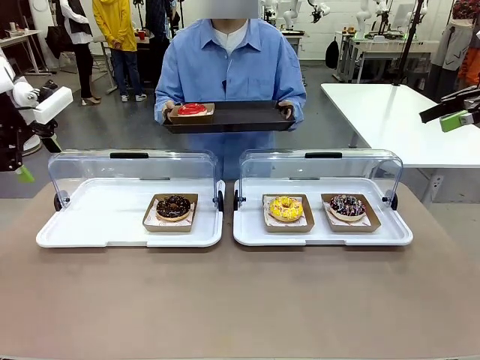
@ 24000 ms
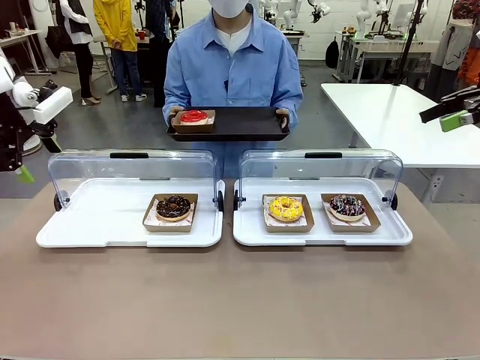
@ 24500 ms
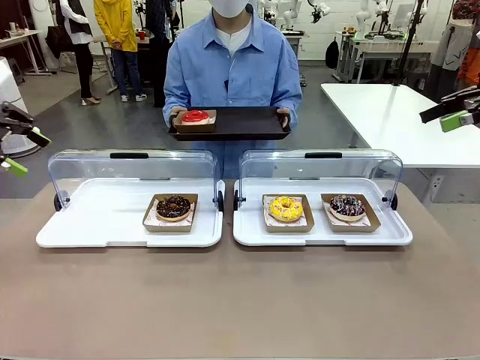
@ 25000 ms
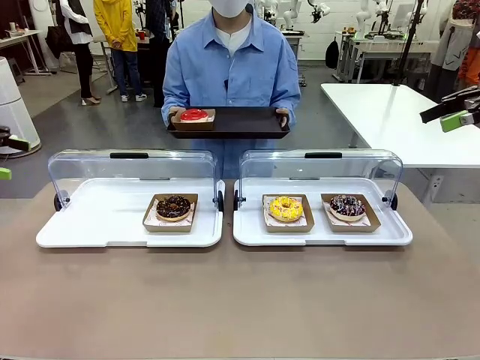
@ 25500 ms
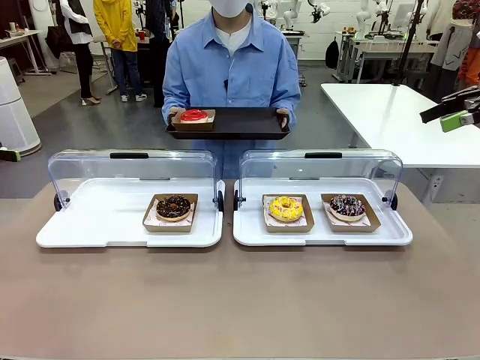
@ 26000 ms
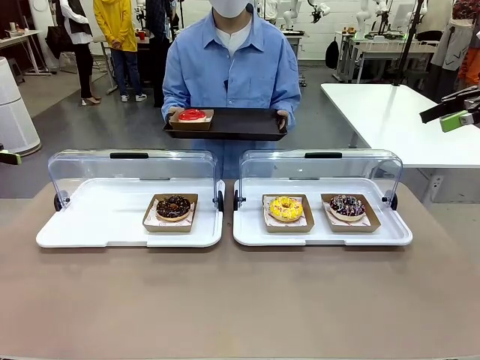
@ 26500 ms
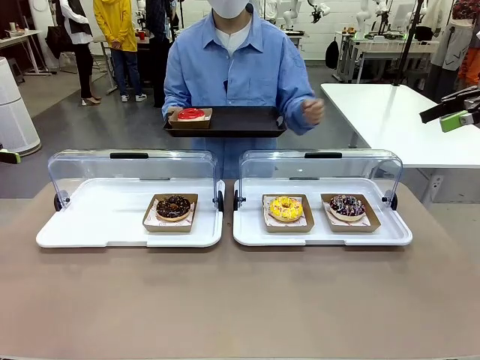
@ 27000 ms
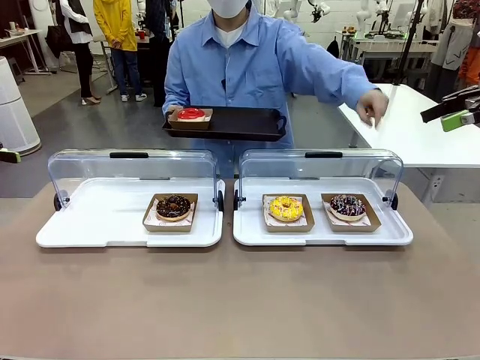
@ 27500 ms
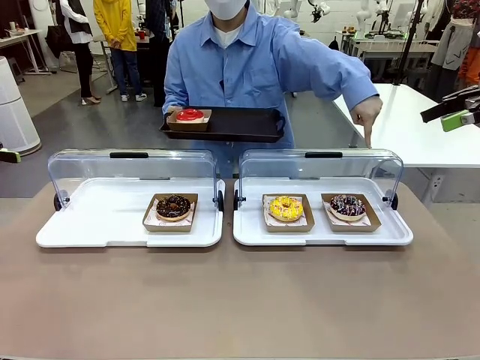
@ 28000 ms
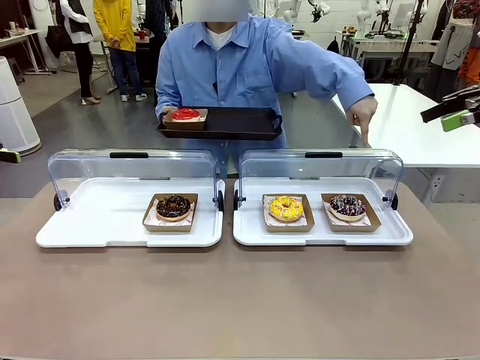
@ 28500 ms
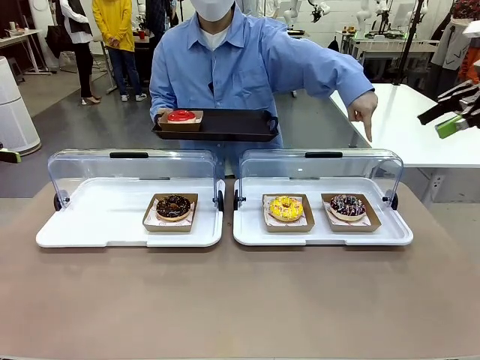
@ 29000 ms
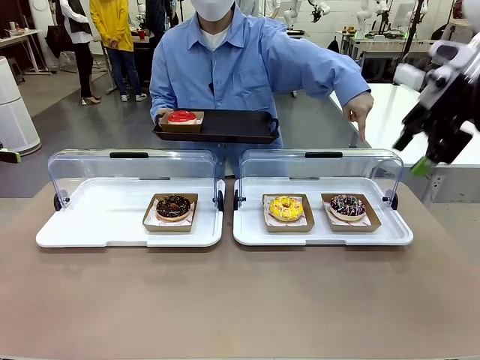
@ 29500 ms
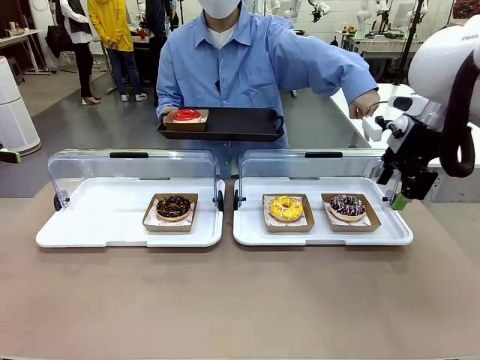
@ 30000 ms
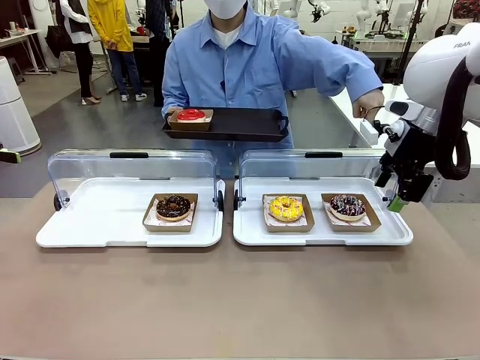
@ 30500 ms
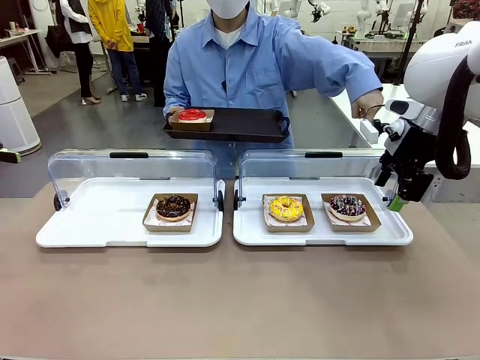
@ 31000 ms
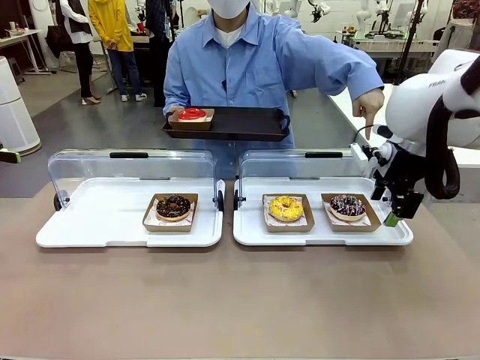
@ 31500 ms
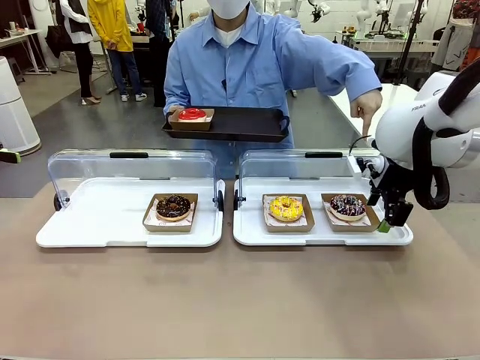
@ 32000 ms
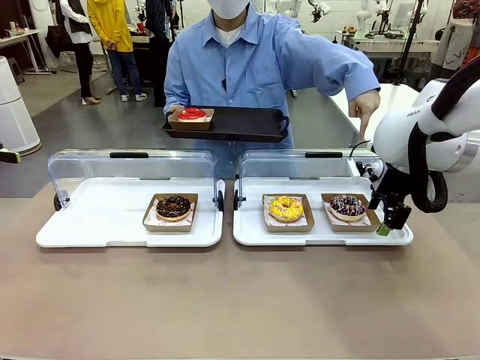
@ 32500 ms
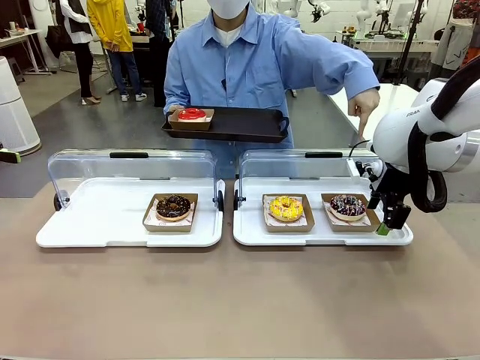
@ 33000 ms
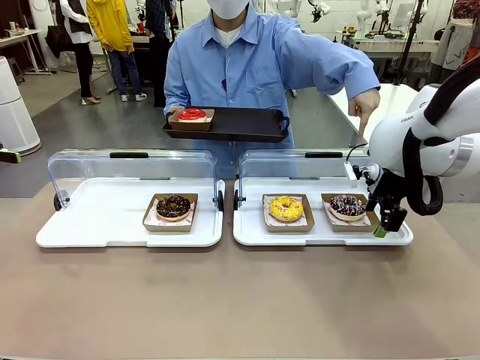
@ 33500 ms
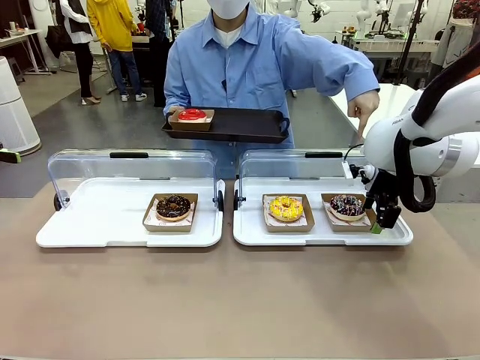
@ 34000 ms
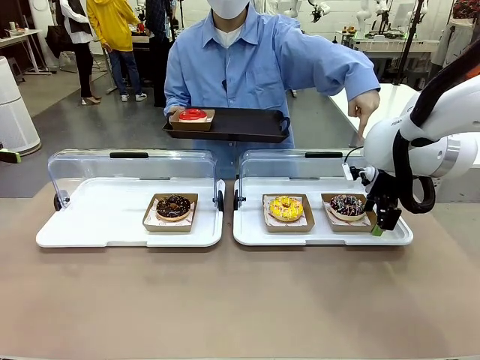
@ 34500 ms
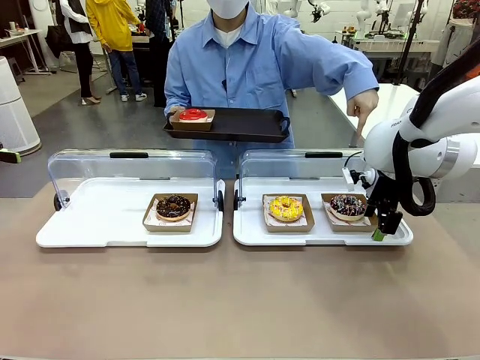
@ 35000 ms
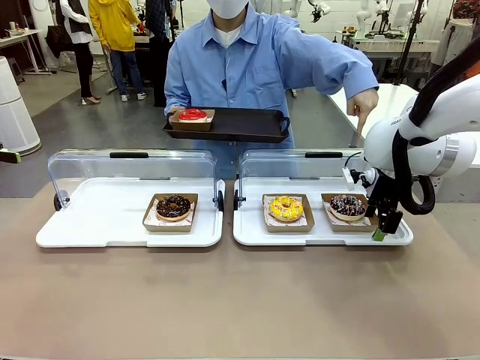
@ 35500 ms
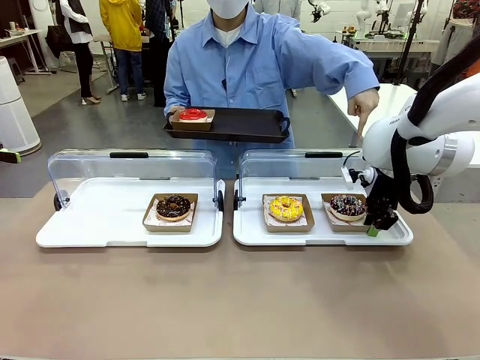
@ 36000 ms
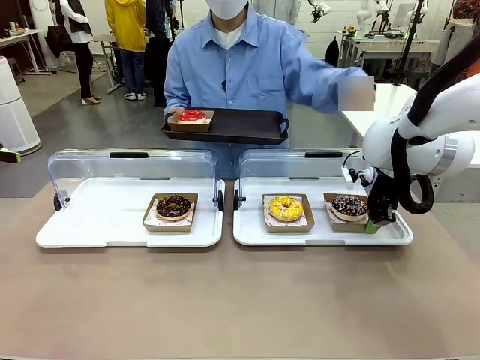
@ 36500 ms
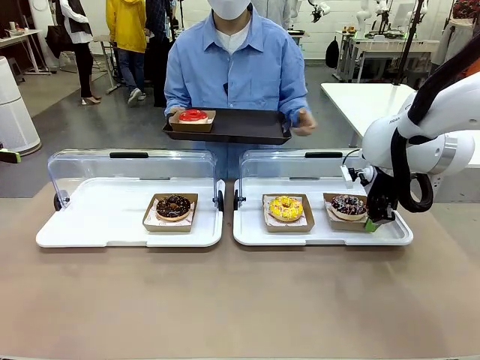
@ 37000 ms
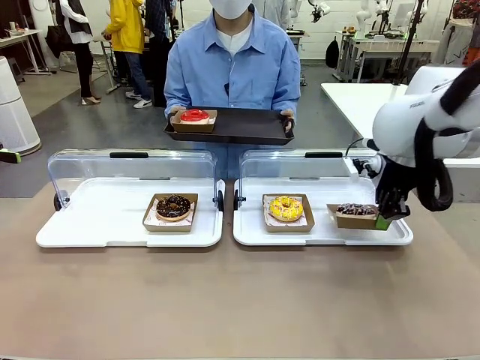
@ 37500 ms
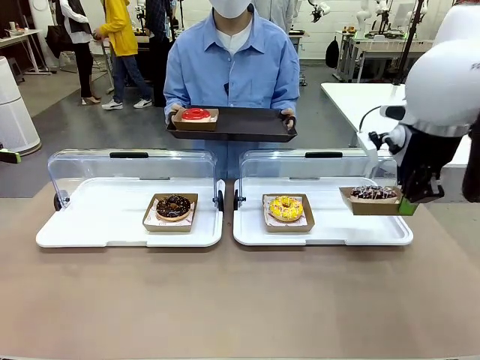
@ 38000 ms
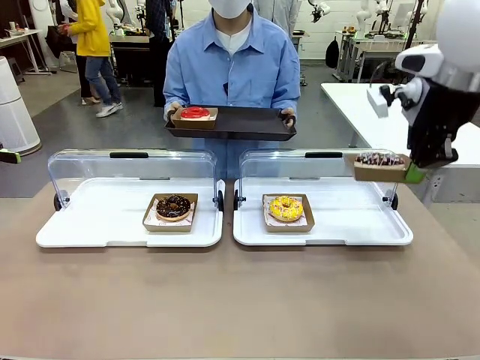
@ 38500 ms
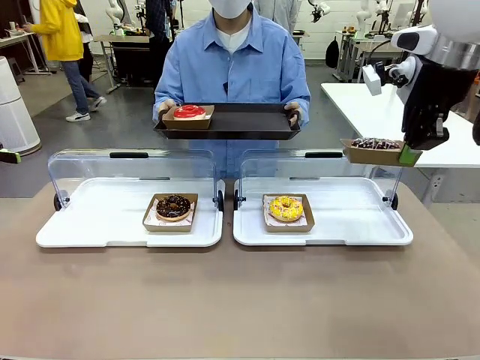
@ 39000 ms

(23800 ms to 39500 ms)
Task: Provide the desired donut to the person.
Robot: Pick up and lift the Paper togo box containing the Donut pointed at by the person.
Person: Point to one donut. Lift the tray onto the Roll-Top Bakery Case.

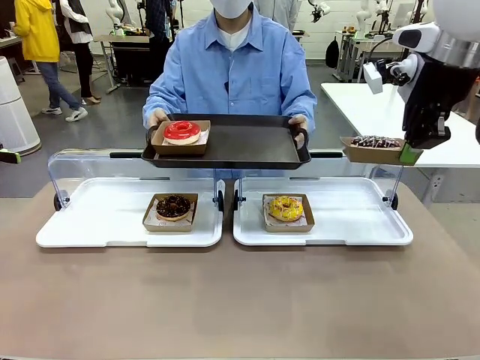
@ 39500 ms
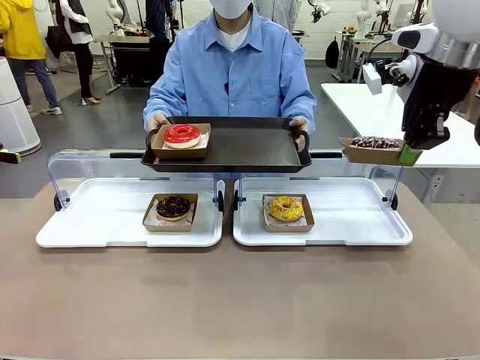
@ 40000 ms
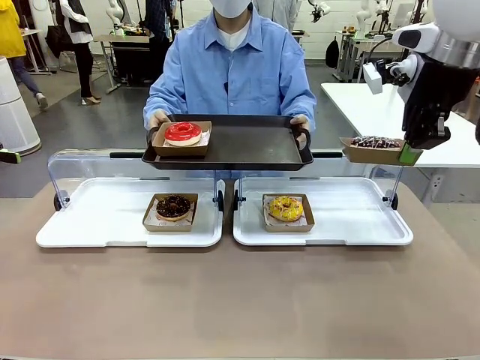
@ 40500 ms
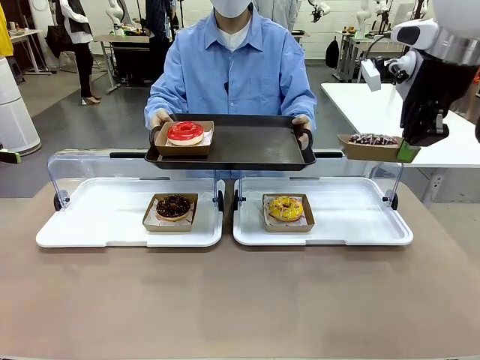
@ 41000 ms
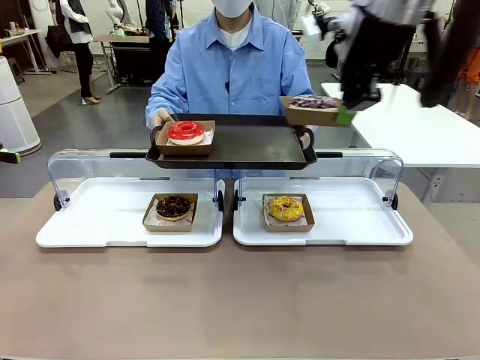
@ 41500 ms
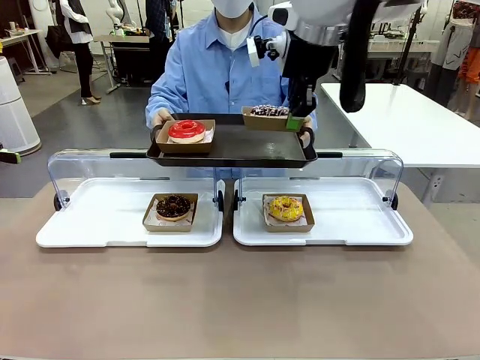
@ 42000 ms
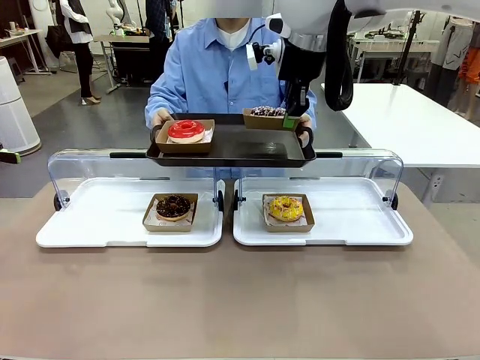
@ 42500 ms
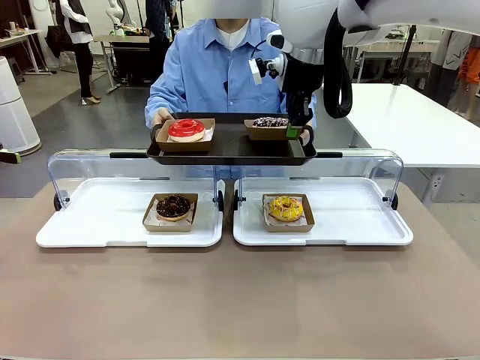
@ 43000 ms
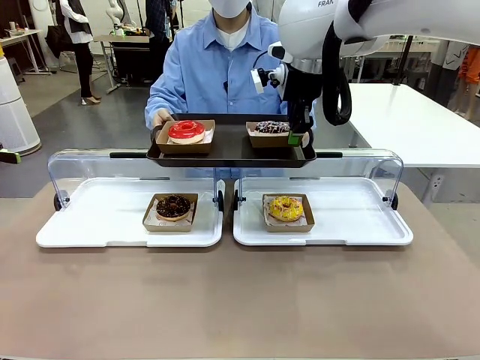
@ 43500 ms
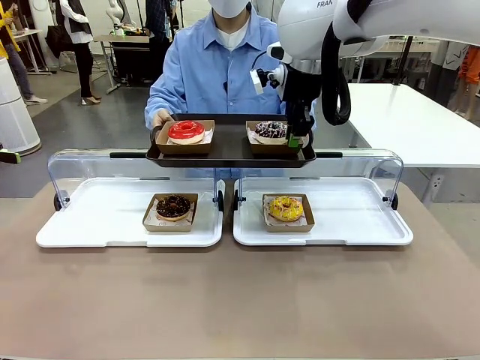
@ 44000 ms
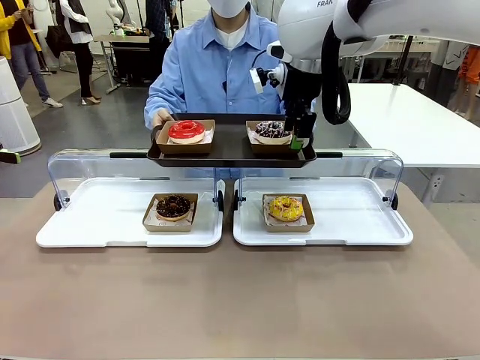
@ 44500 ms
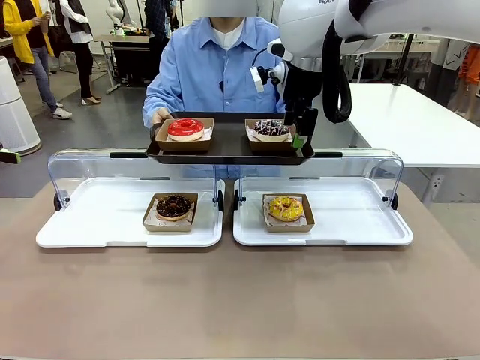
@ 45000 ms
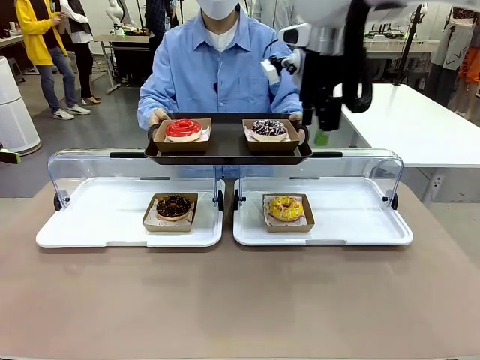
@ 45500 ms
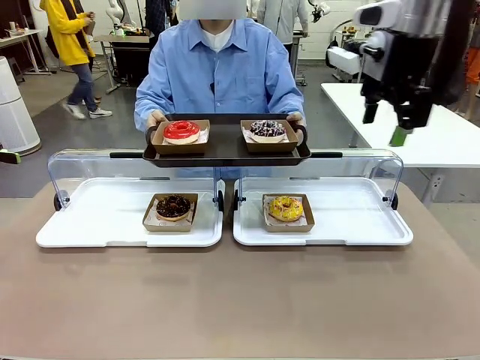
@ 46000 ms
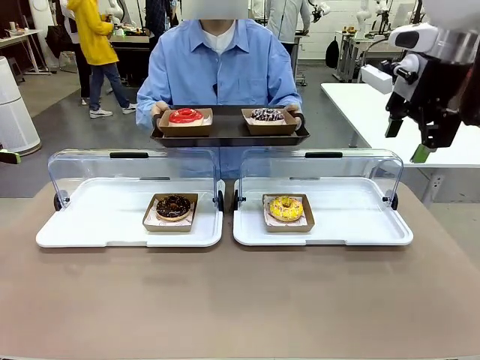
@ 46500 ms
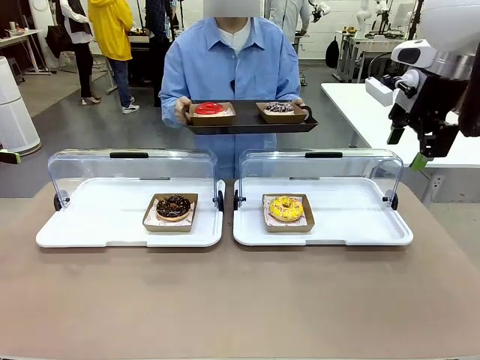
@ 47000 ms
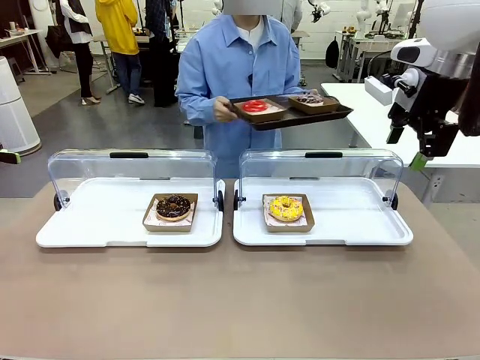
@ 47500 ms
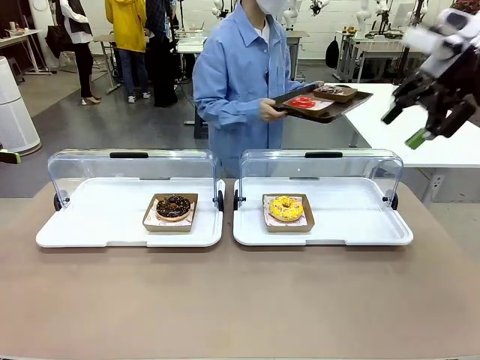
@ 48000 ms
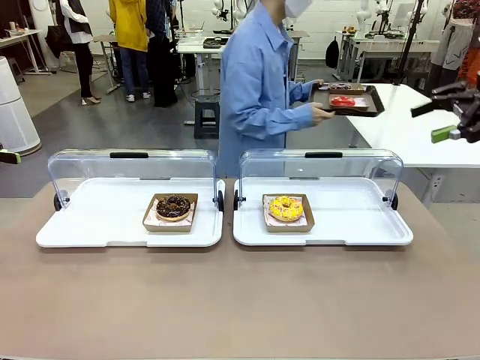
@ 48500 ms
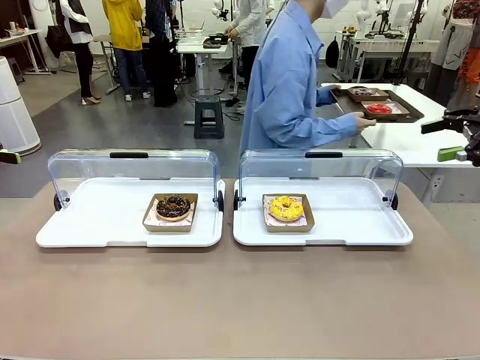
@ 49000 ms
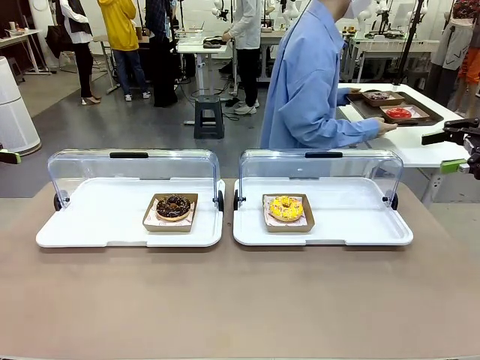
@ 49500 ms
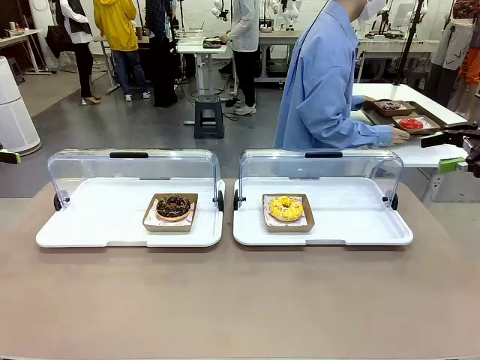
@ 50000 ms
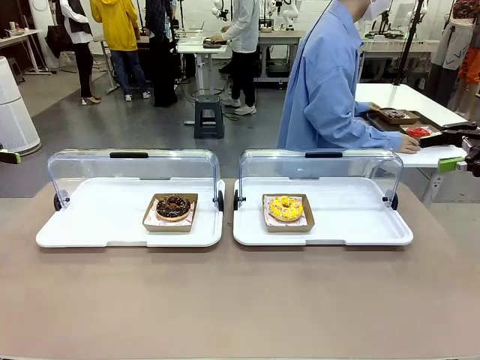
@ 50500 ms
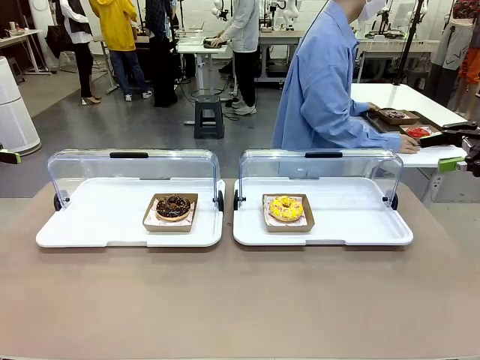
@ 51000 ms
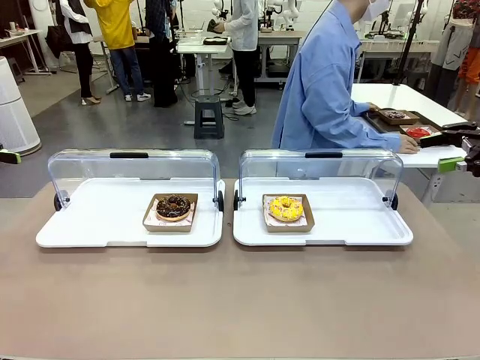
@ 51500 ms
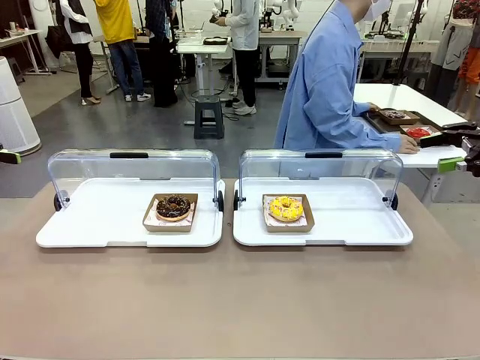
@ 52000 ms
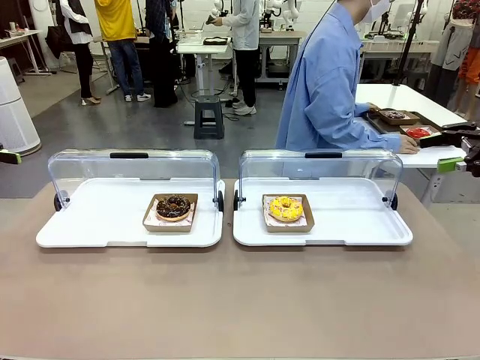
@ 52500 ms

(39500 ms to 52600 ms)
Robot: Place the picked Paper togo box onto the Handle tray extended by the person.
Person: Place the tray in the middle of the human table.
